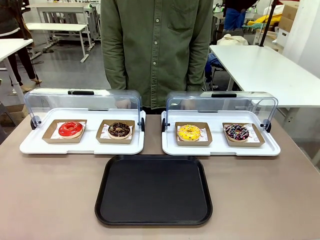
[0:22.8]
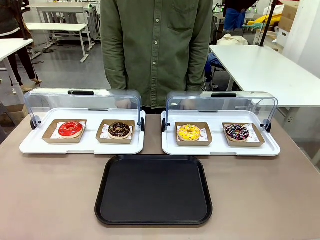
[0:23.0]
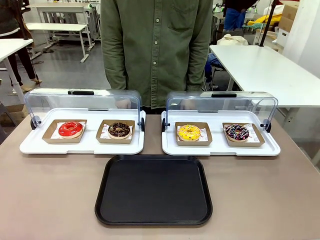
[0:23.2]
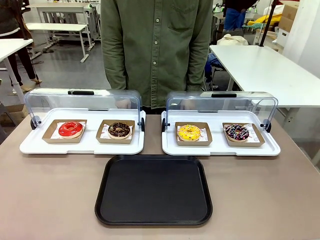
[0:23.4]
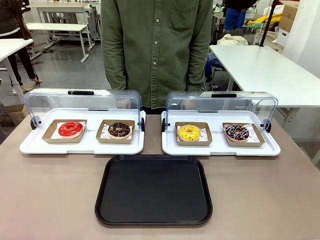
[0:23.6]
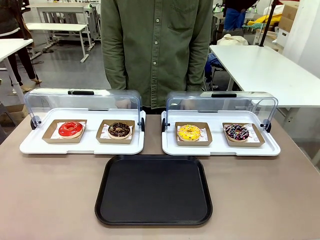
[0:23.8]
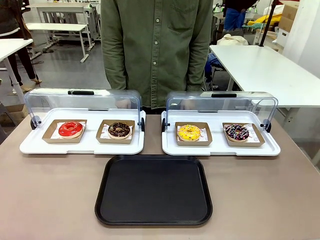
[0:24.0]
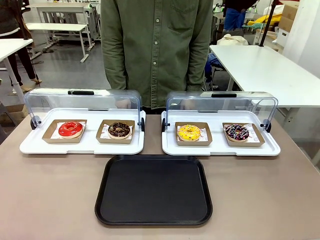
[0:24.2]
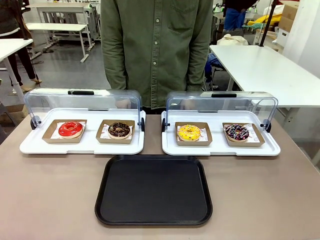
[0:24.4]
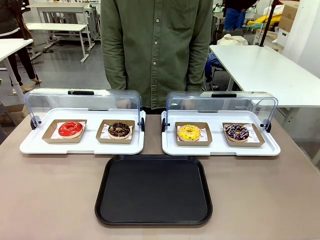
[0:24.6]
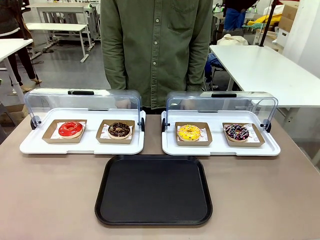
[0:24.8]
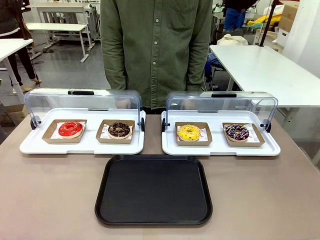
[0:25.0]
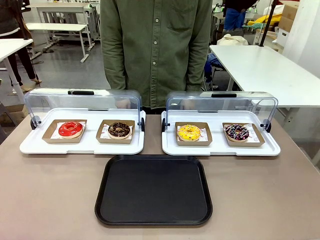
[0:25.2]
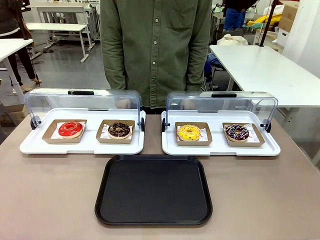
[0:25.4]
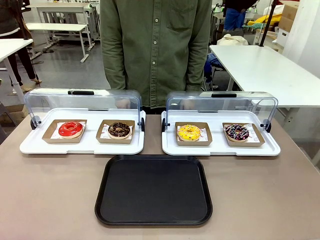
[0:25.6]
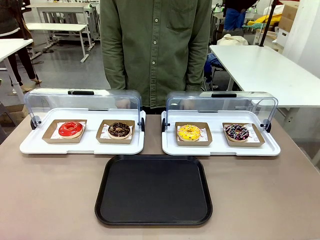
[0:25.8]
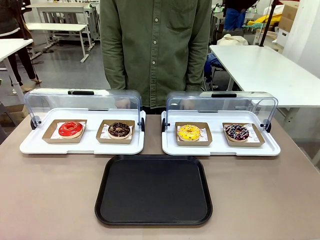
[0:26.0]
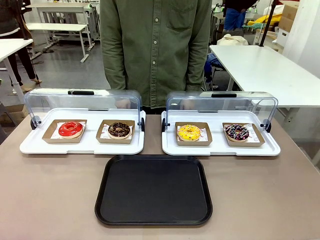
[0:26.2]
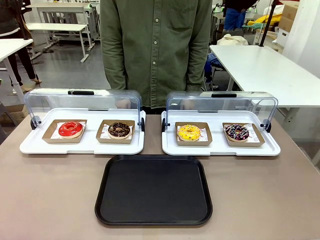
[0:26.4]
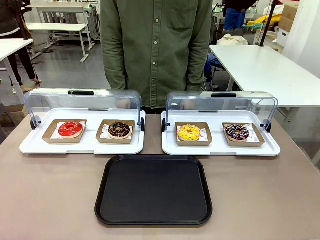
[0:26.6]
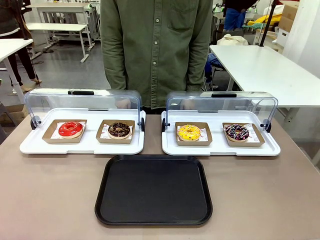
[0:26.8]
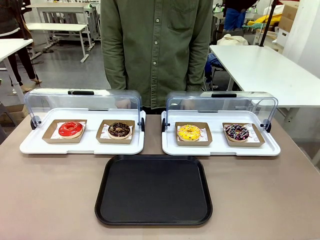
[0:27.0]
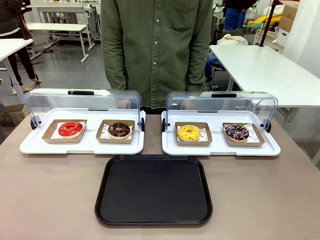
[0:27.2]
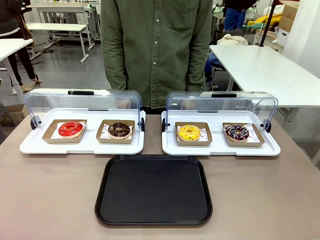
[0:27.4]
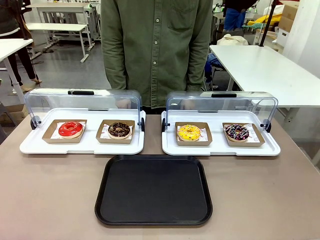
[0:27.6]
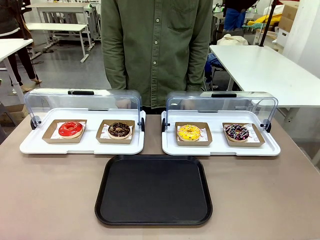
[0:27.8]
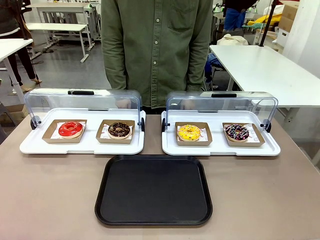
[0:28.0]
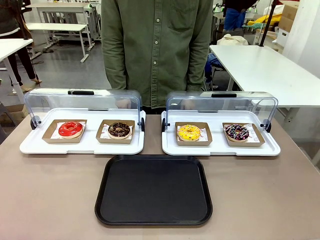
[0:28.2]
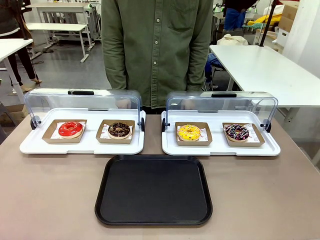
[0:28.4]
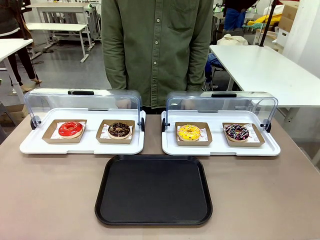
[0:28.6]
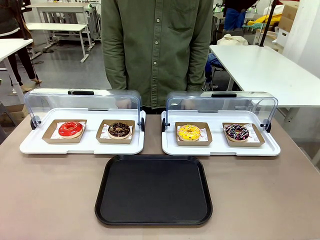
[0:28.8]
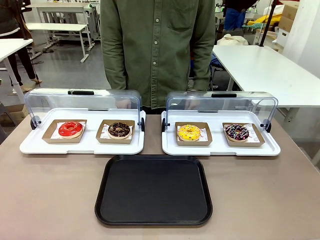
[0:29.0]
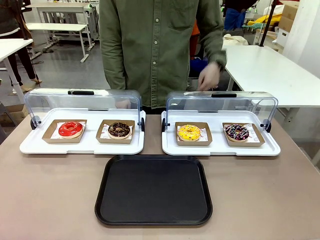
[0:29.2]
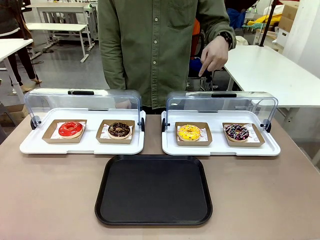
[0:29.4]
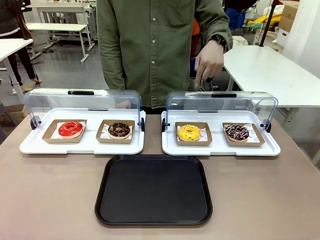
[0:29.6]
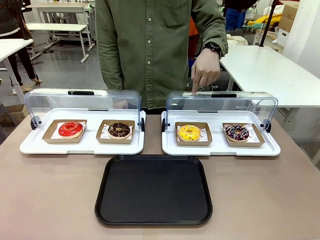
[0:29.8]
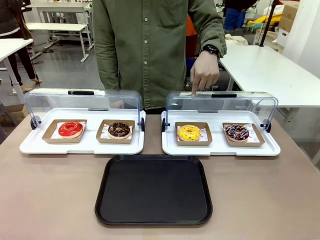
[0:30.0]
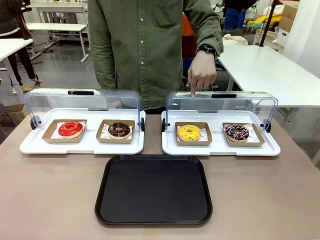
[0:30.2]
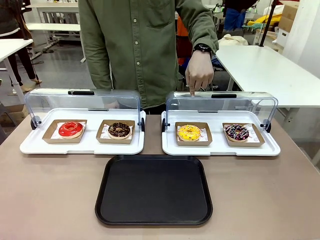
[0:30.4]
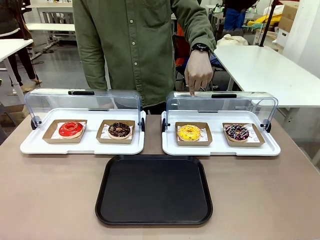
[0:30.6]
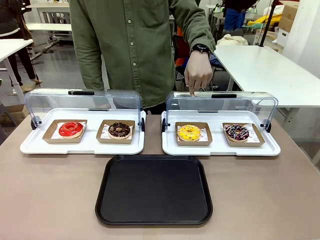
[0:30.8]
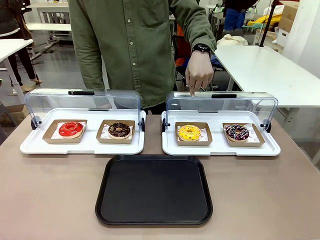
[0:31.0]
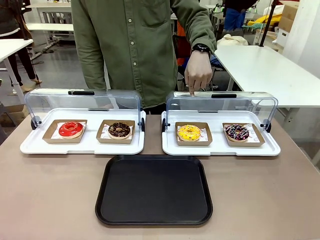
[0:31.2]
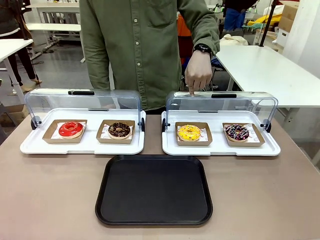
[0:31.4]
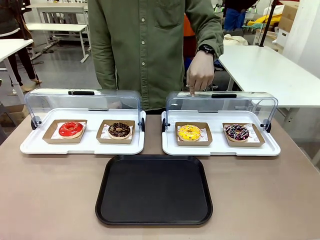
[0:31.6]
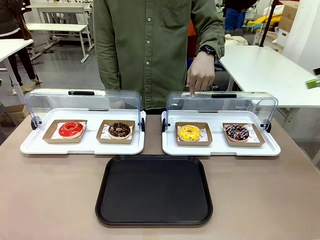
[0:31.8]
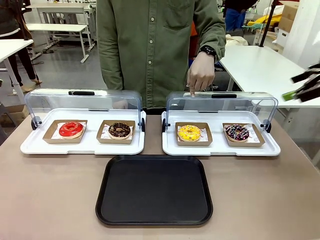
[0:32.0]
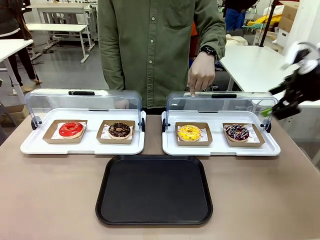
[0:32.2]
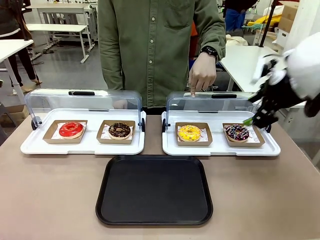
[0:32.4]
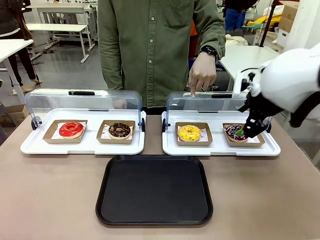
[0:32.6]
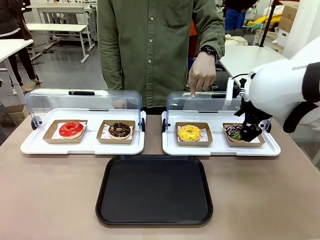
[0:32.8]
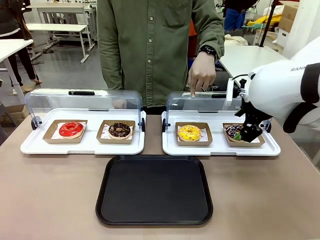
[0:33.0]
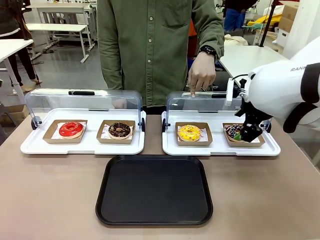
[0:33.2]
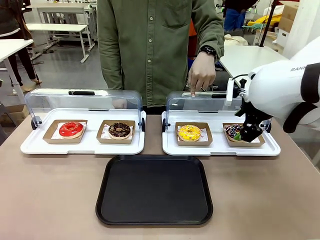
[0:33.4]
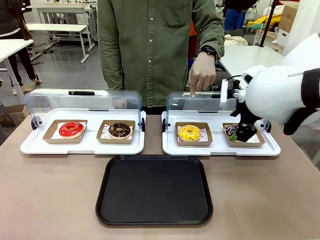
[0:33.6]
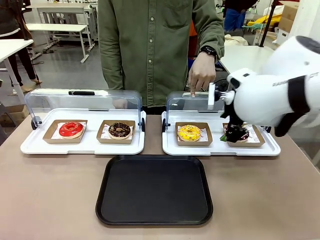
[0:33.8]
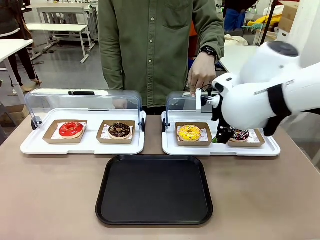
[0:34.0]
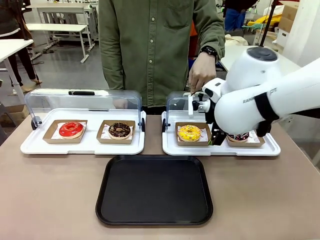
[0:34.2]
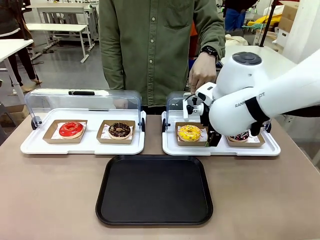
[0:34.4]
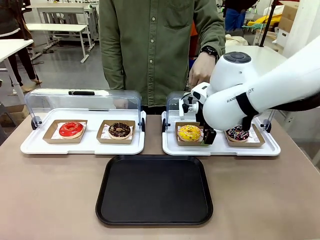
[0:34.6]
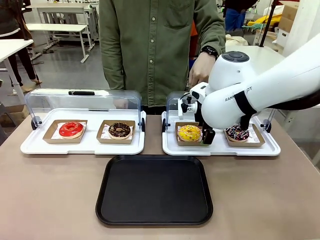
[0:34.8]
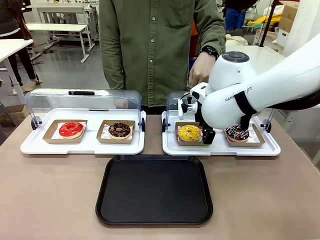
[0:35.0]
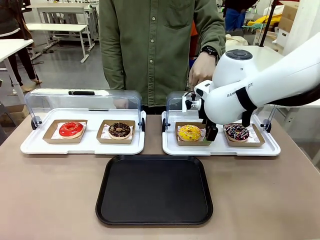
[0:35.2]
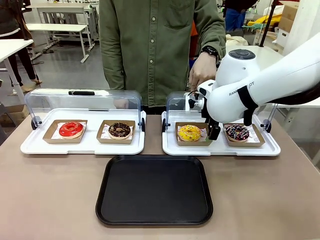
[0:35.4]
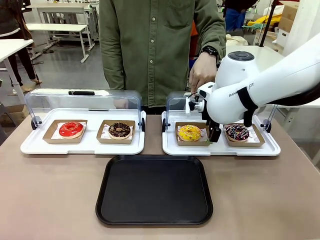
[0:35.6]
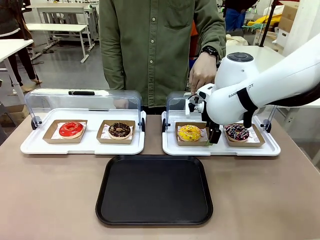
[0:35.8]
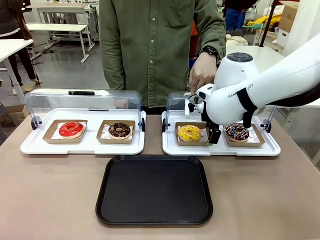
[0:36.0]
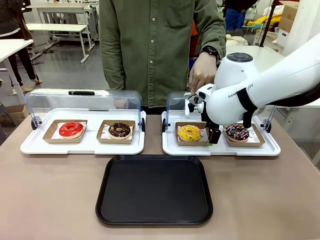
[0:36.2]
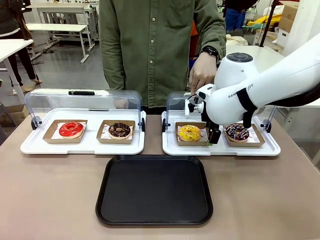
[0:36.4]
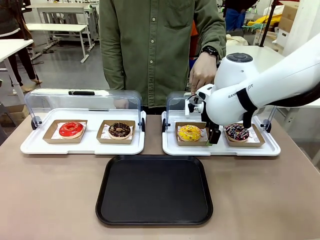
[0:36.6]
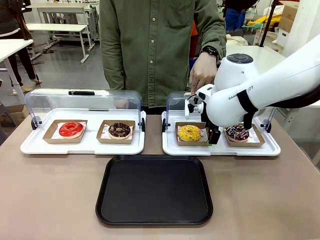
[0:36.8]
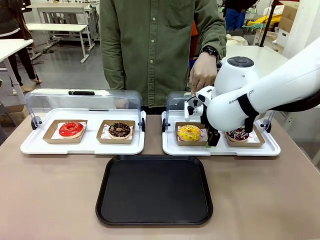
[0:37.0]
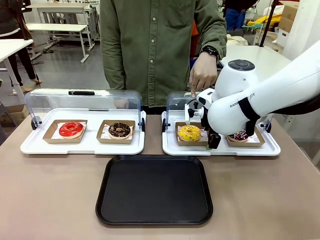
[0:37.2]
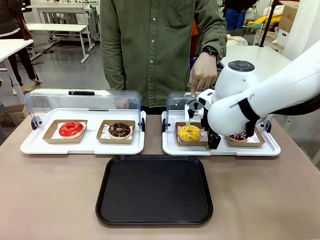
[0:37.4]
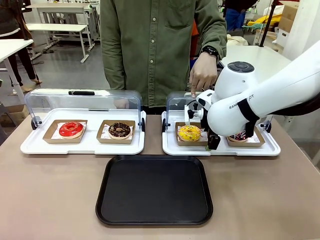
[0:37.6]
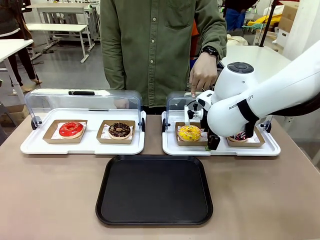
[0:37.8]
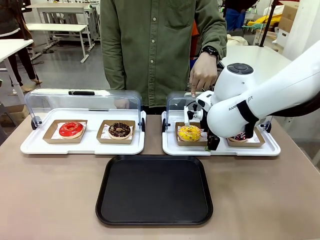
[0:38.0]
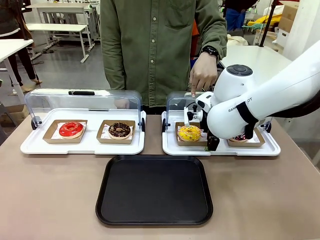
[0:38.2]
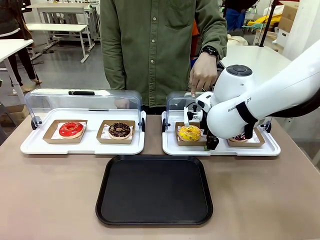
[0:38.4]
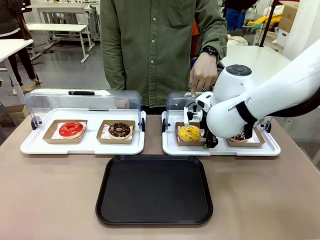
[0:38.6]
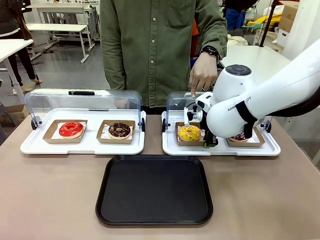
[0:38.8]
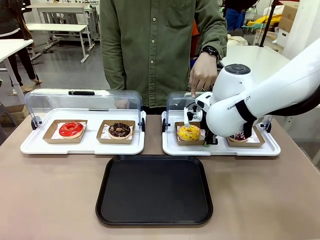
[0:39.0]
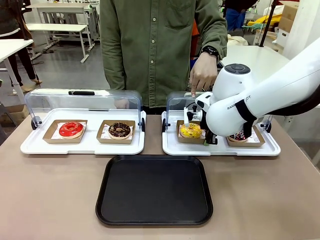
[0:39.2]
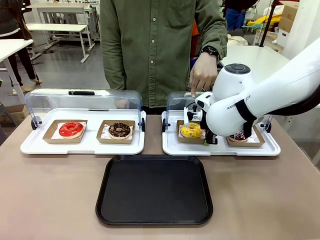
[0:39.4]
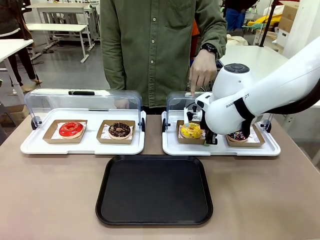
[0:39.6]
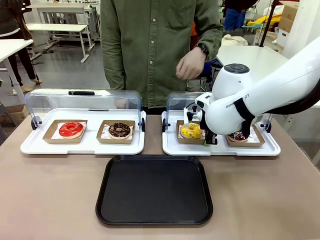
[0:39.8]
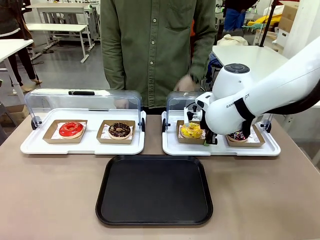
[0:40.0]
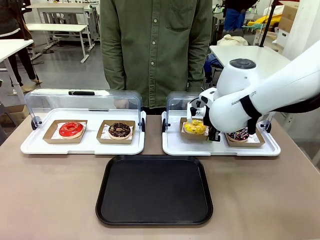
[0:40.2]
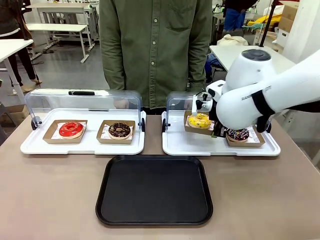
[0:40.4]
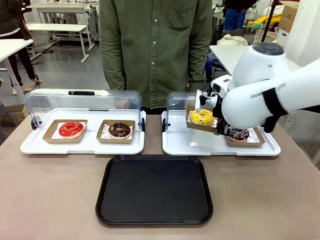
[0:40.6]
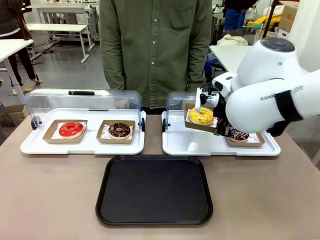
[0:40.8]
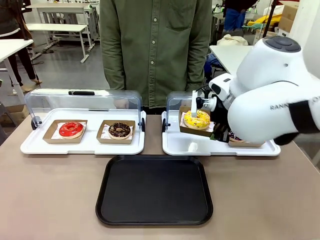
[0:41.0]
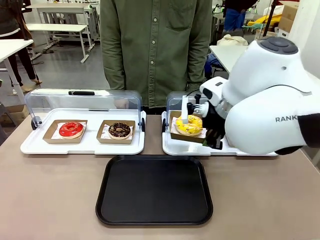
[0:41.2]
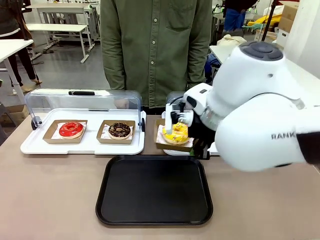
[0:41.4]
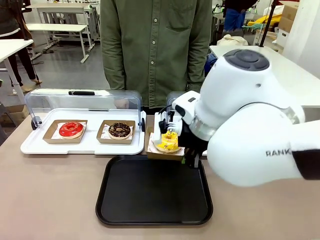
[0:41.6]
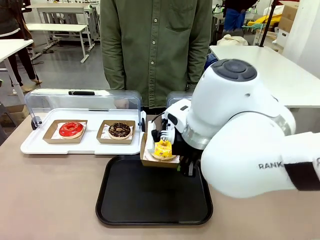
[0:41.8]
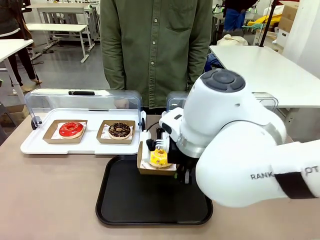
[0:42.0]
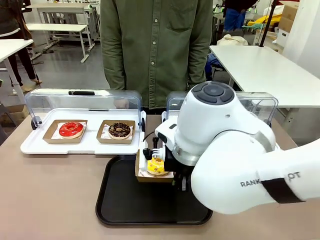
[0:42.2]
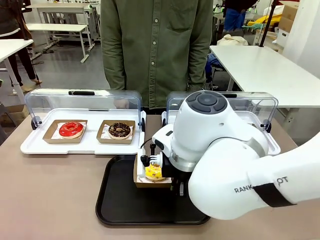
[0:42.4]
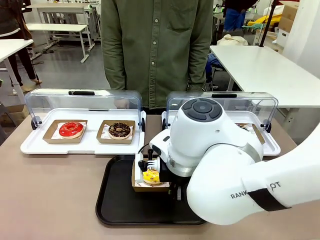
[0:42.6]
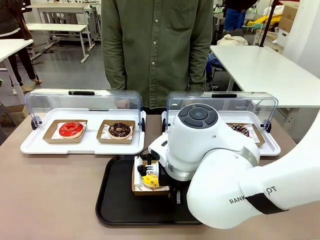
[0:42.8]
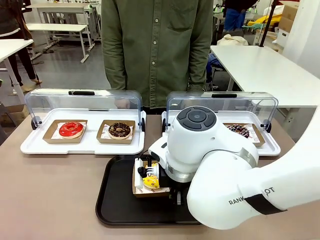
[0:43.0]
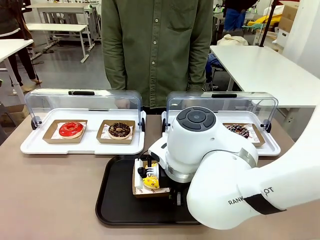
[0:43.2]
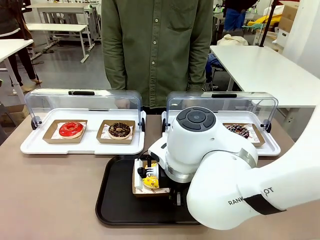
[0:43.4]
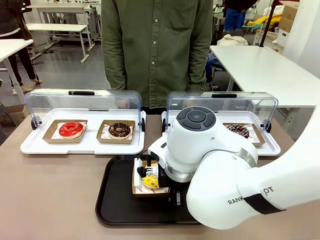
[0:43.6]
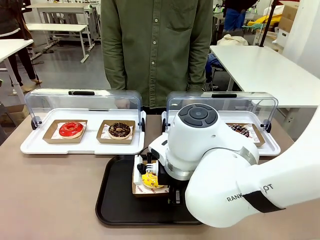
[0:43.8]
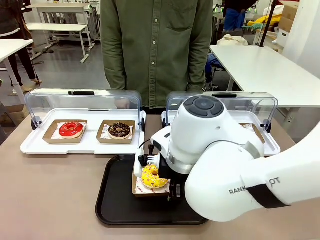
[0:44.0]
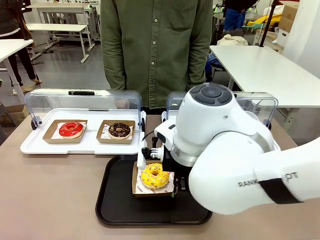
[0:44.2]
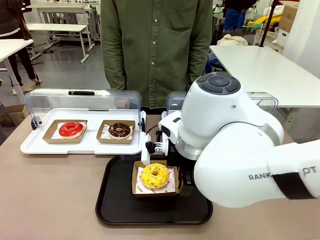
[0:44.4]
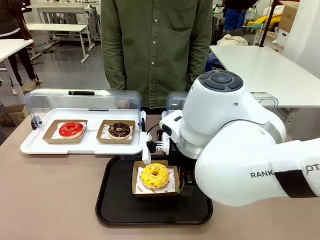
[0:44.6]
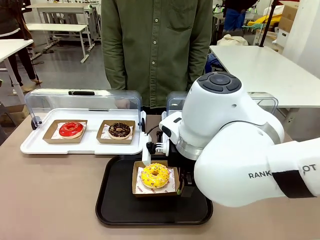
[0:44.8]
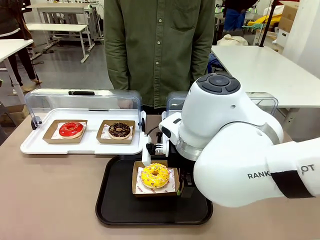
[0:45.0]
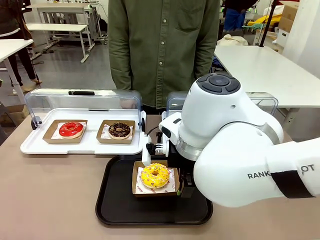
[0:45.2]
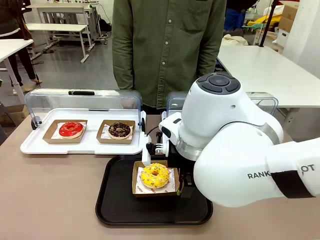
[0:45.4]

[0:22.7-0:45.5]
Task: Move the third donut from the left to the tray.
Robot: Pick up the Paper togo box containing the Donut indicated by the person and place it on the Handle tray.
Person: Points to the third donut from the left from the robot’s perspective.
